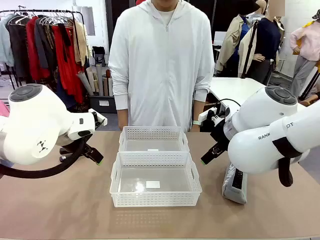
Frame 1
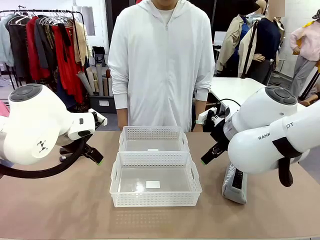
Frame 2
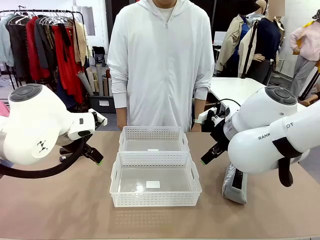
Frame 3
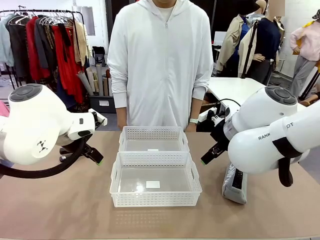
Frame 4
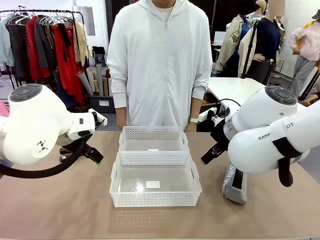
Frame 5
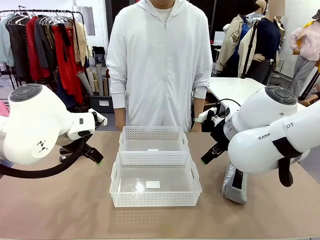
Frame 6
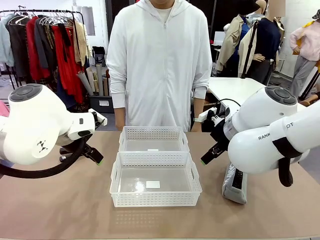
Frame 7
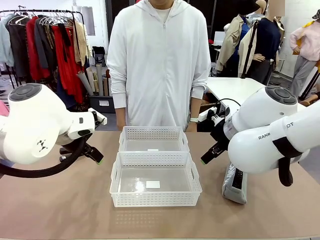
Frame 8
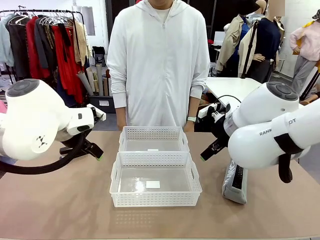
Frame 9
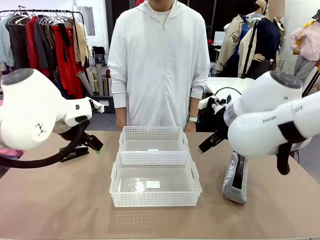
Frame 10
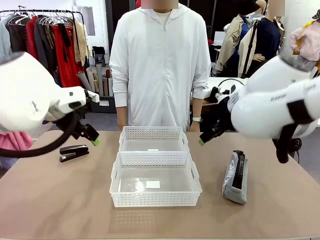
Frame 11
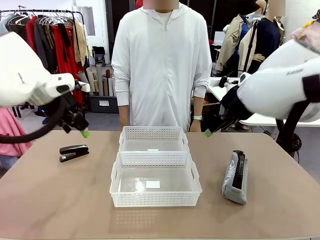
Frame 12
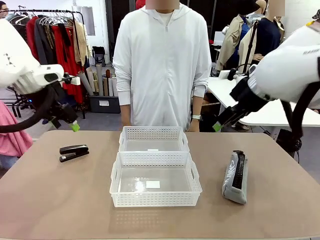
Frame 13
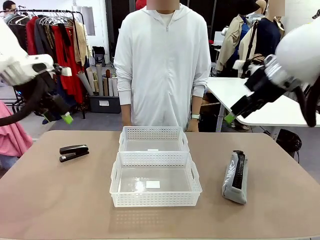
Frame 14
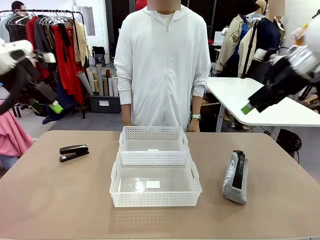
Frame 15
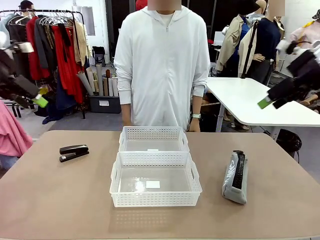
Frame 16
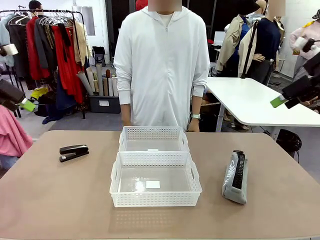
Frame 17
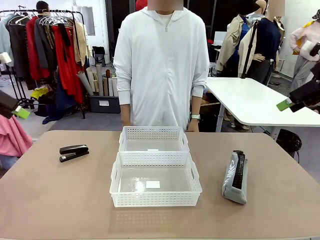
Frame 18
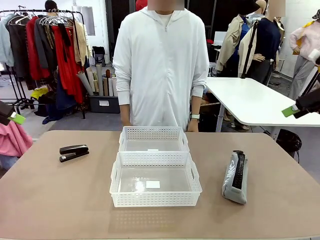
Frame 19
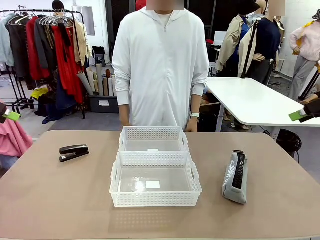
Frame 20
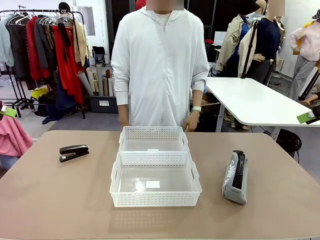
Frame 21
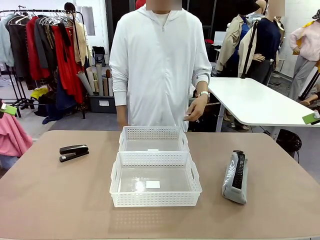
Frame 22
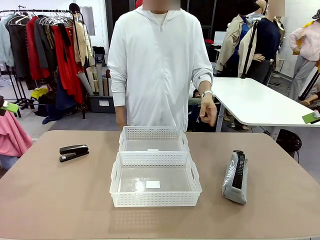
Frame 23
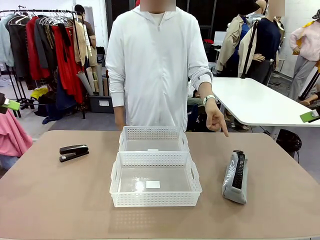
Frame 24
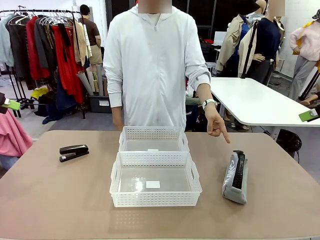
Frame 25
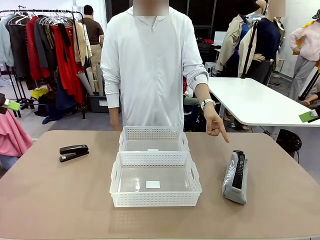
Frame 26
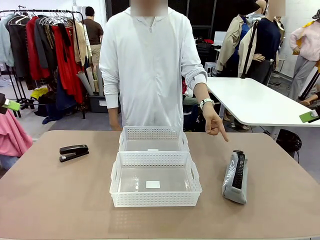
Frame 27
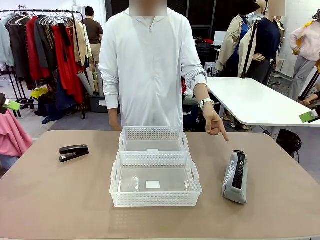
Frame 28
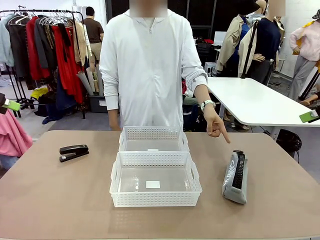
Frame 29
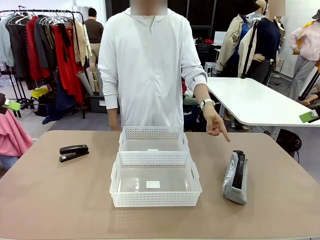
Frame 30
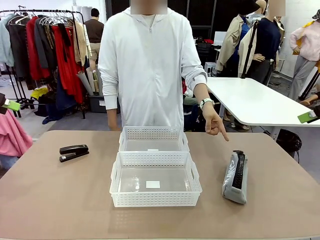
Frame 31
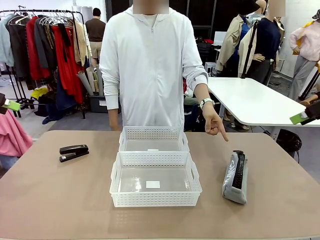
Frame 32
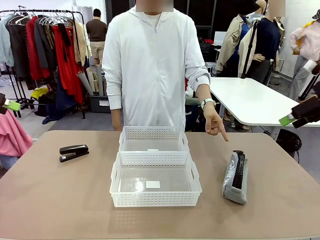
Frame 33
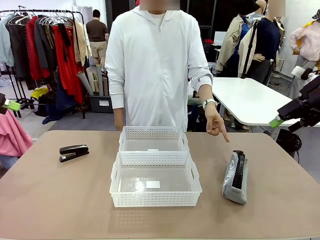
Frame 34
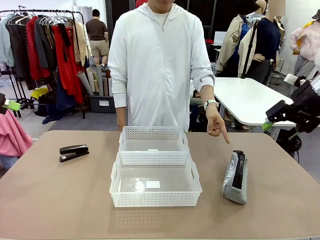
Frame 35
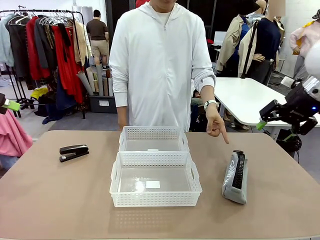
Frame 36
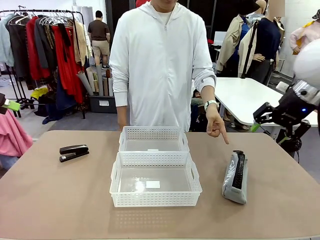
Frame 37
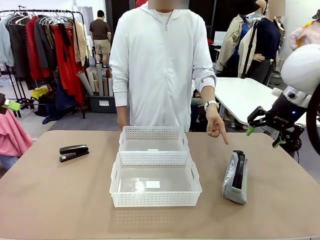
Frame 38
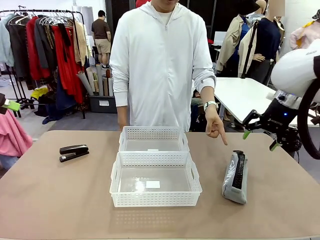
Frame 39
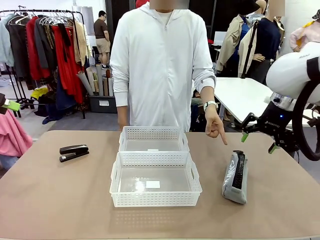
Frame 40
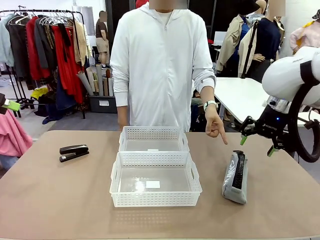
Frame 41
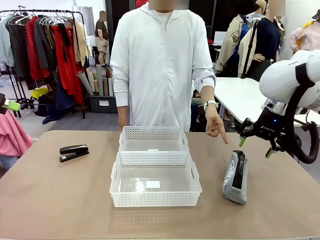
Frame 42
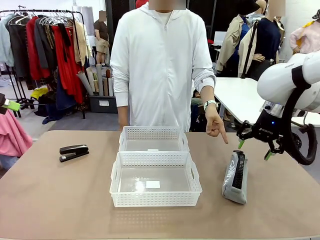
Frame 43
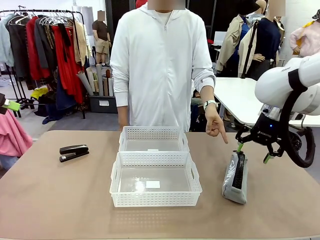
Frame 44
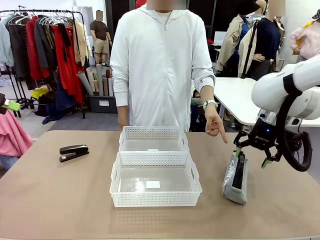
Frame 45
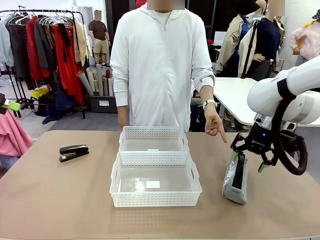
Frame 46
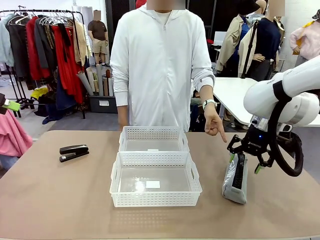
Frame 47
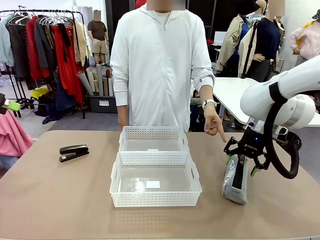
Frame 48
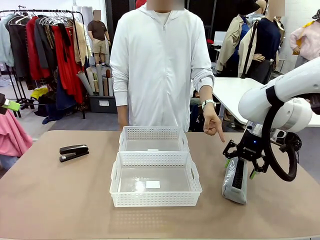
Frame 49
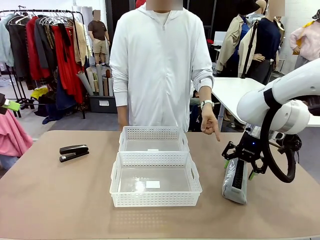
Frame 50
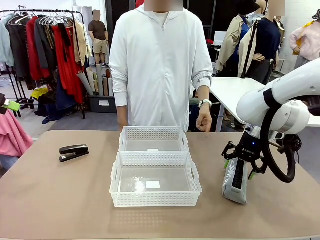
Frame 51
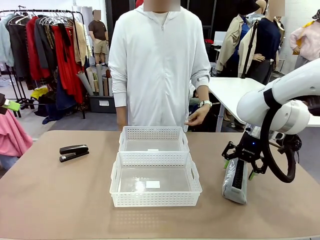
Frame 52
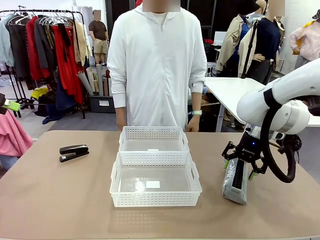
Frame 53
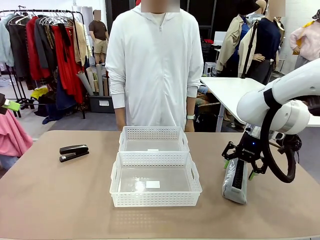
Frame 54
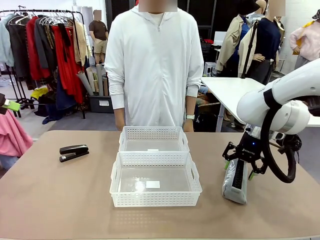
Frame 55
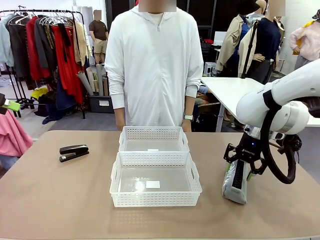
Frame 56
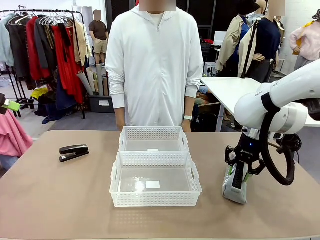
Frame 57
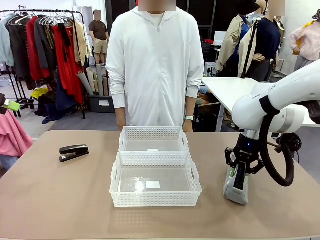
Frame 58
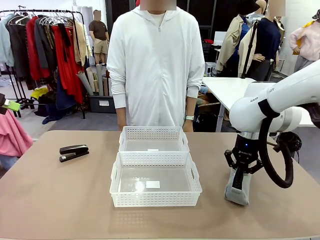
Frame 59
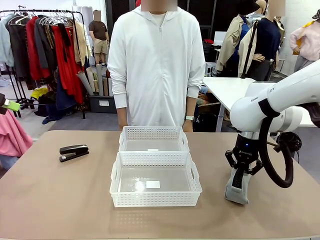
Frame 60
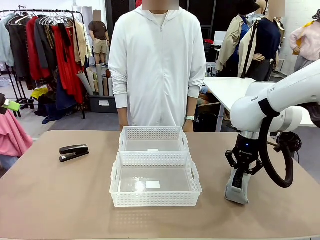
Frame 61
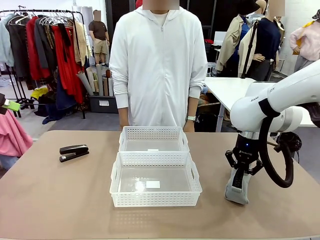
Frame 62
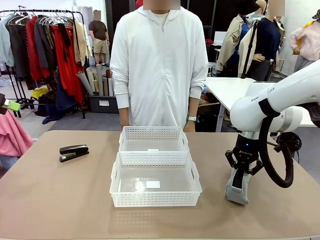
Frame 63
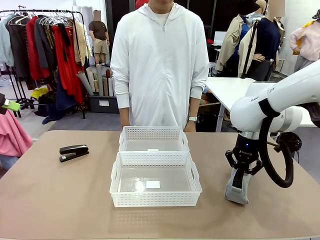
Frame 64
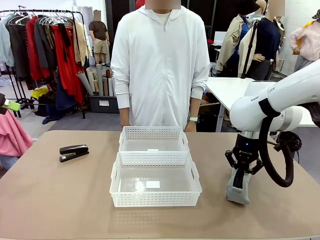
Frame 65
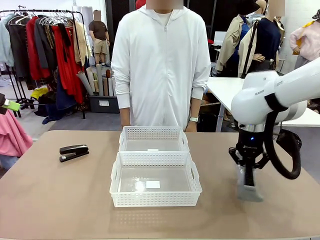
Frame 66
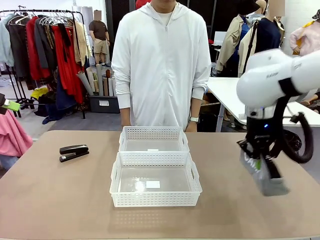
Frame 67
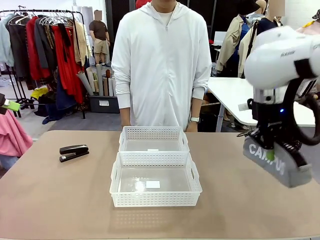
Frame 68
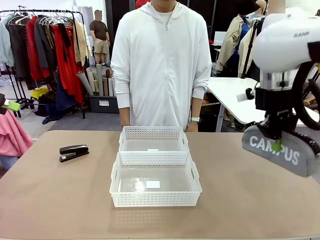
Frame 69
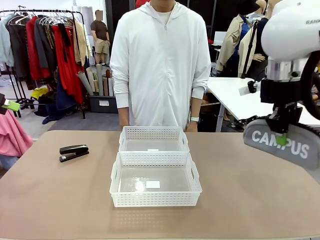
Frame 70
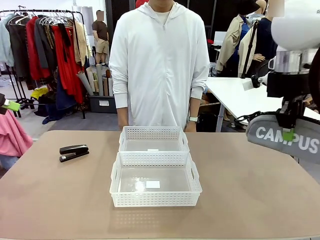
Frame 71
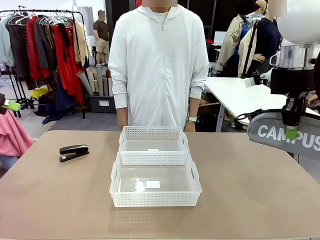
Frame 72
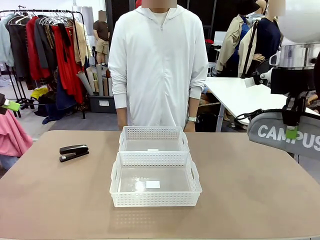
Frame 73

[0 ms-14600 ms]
Task: Distribute items into two baskets.
Robot: Pick up the Pencil pouch that the person points to.
Person: Points to the pencil case. Points between the two organizing baskets and instructs the robot to move the pencil case.

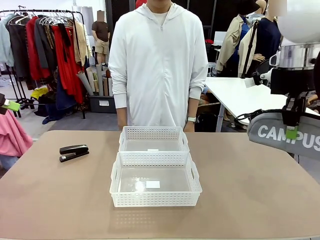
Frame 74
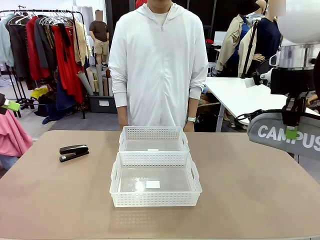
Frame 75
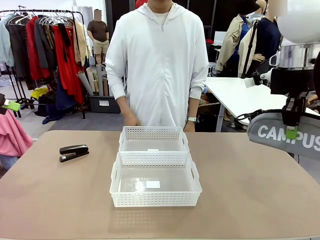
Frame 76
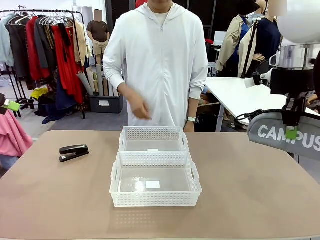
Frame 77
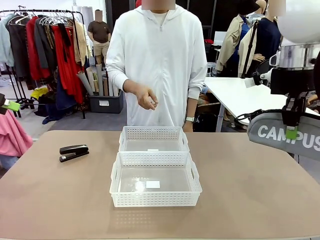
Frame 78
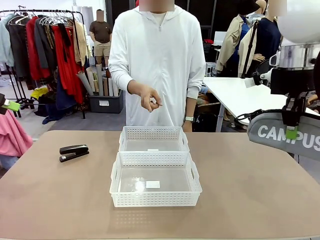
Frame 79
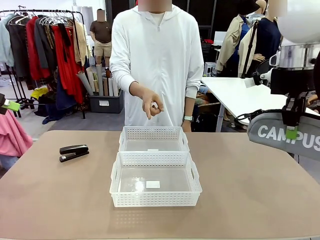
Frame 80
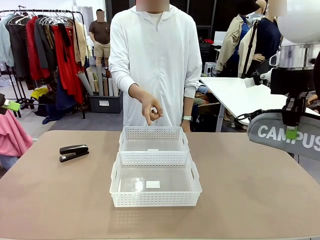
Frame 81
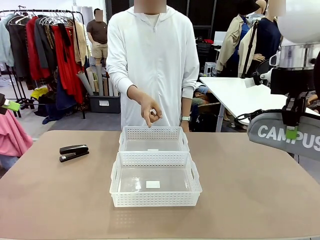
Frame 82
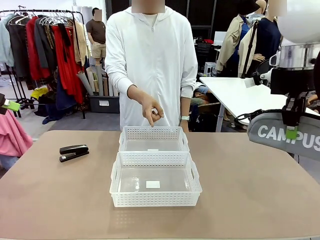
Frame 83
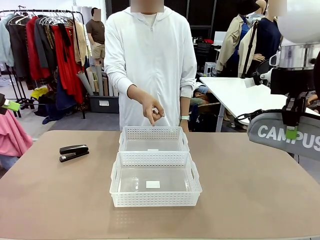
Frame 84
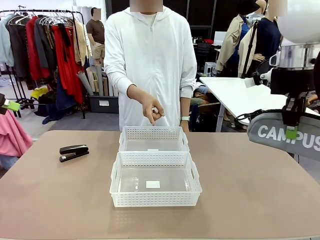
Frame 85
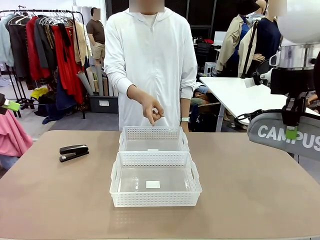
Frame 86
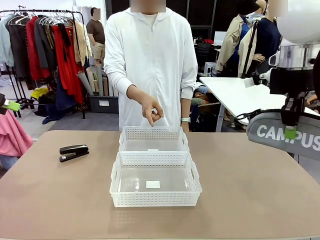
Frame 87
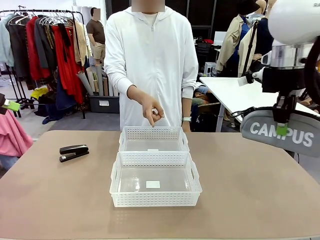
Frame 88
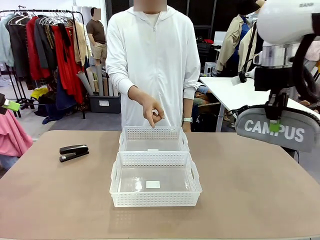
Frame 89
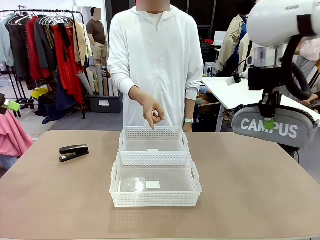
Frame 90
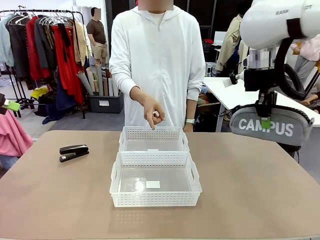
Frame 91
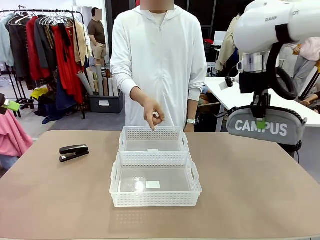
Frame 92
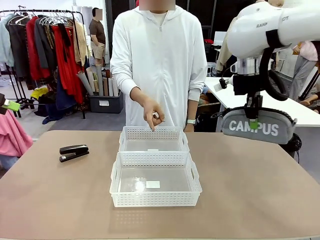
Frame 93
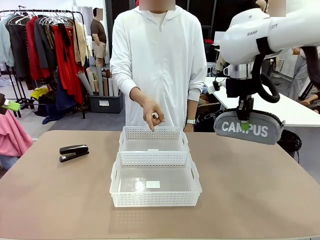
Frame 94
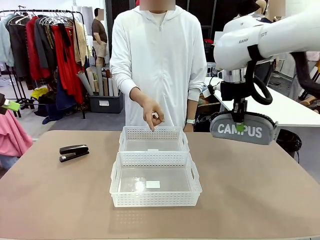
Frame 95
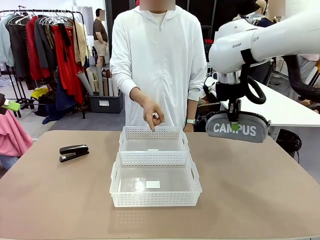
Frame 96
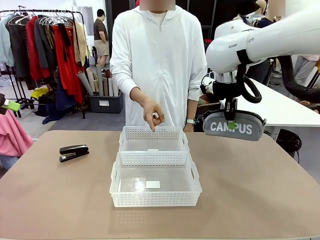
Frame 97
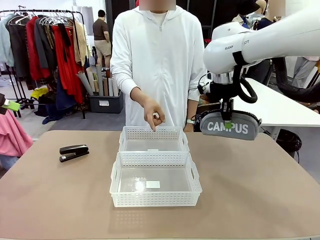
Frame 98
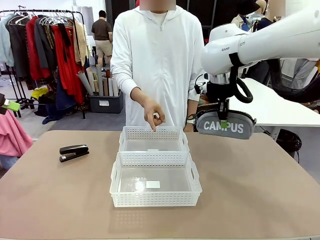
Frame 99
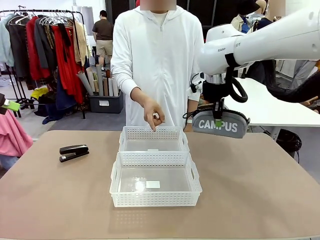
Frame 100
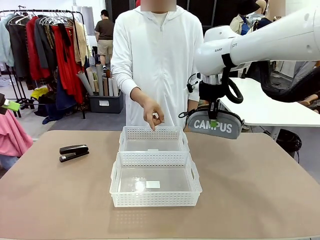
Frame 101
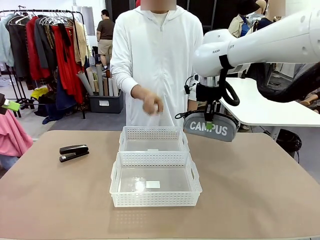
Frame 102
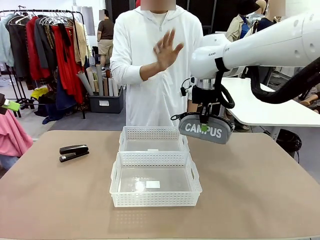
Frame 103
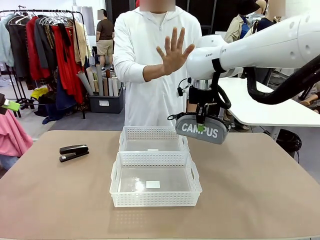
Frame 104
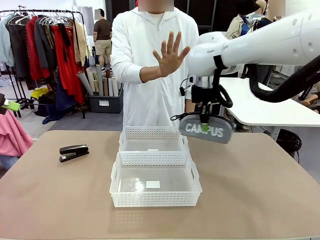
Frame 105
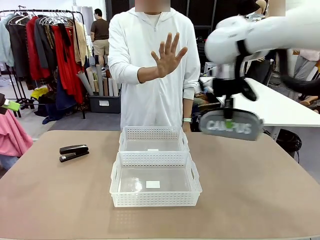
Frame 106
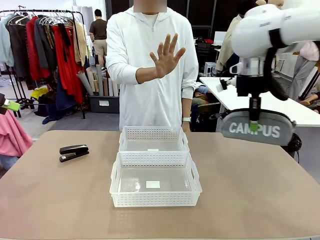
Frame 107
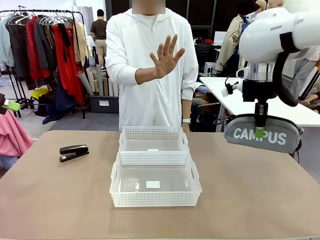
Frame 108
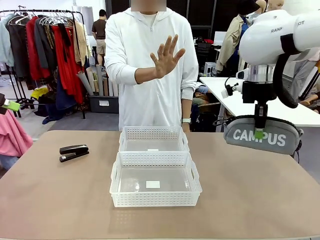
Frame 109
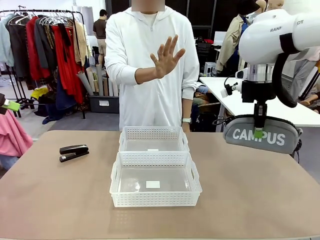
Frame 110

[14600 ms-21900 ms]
Robot: Move the picked Pencil pouch towards the Organizing basket indicated by the person, stopping as directed.
Person: Sends a stop gesture before the robot places the pencil case into the basket.
